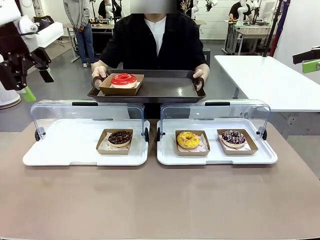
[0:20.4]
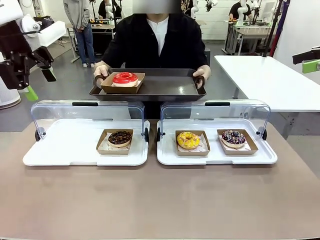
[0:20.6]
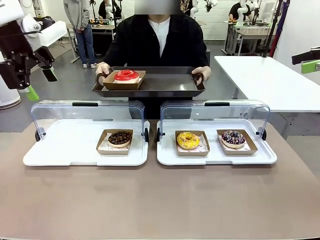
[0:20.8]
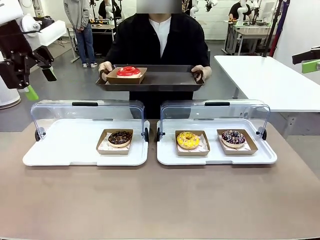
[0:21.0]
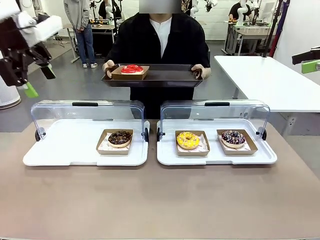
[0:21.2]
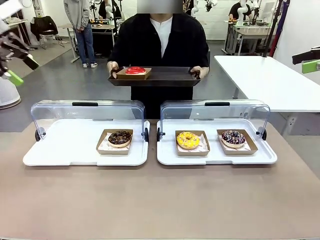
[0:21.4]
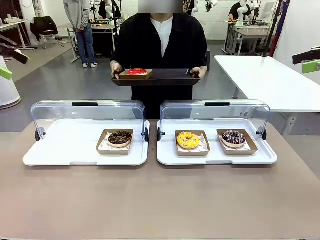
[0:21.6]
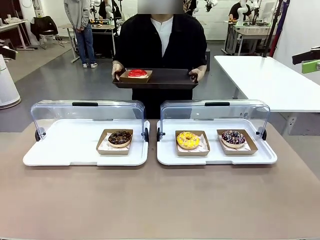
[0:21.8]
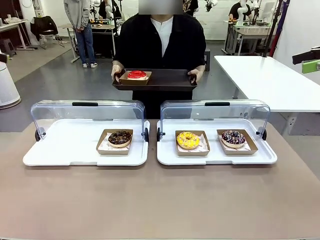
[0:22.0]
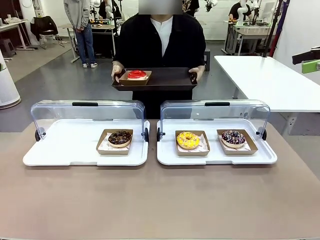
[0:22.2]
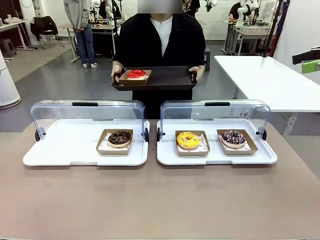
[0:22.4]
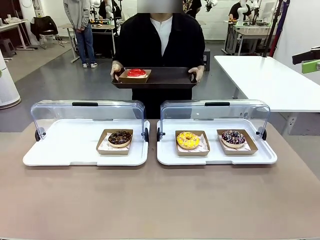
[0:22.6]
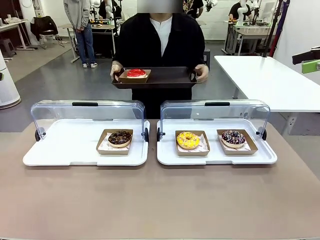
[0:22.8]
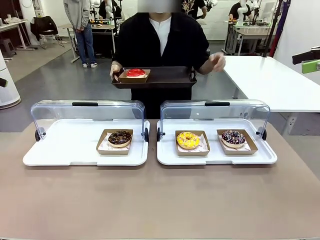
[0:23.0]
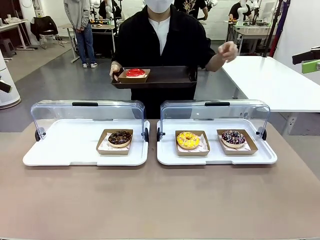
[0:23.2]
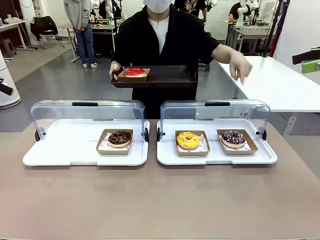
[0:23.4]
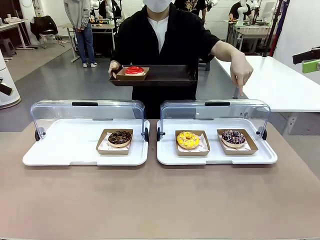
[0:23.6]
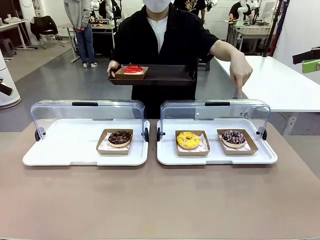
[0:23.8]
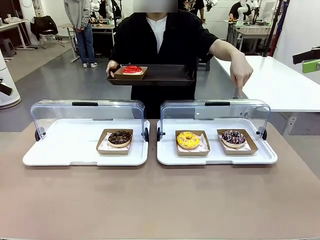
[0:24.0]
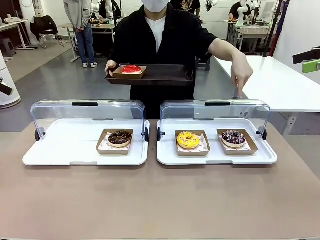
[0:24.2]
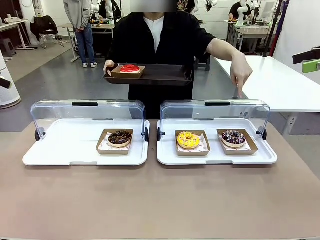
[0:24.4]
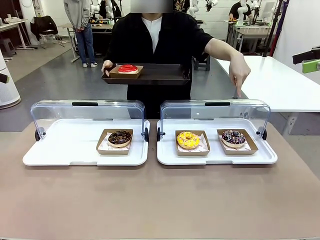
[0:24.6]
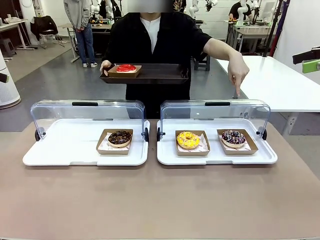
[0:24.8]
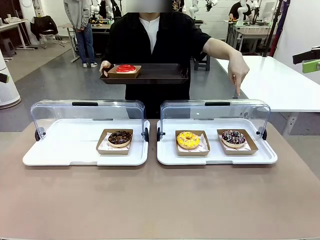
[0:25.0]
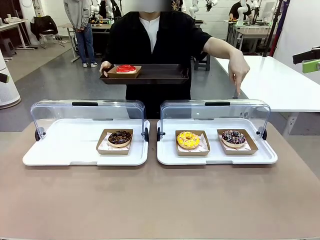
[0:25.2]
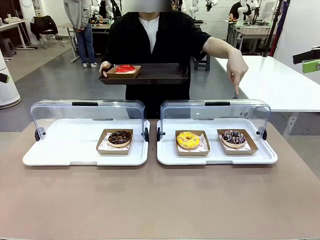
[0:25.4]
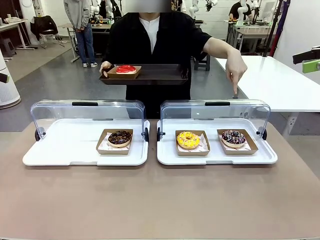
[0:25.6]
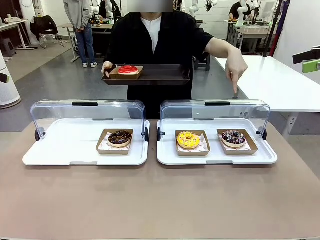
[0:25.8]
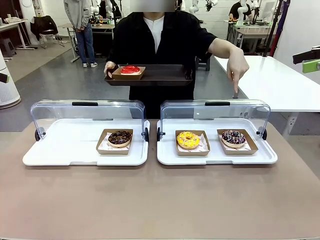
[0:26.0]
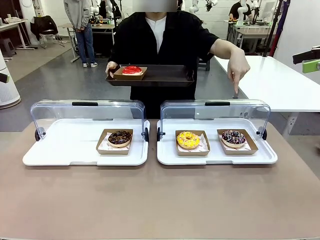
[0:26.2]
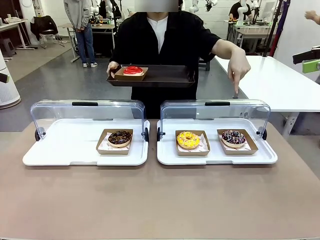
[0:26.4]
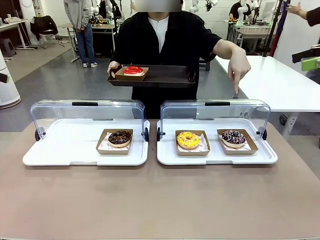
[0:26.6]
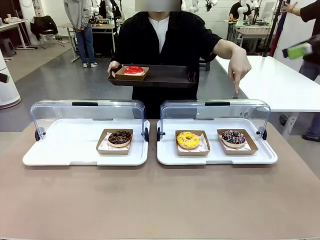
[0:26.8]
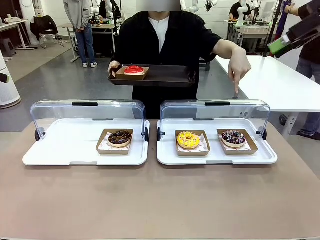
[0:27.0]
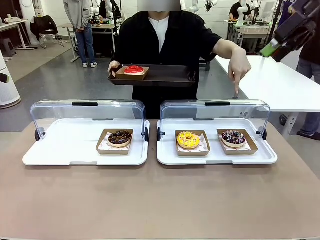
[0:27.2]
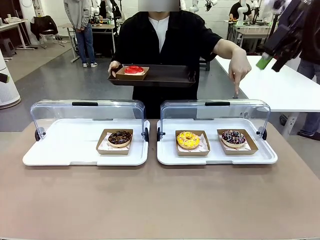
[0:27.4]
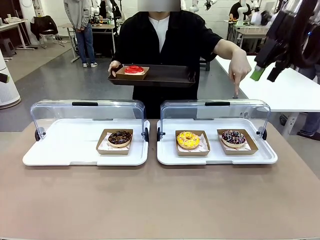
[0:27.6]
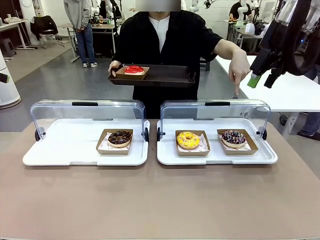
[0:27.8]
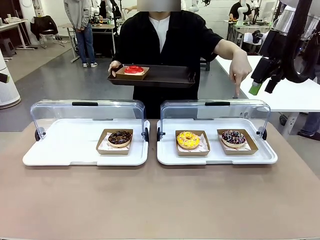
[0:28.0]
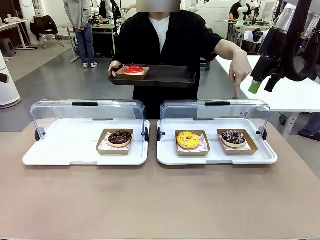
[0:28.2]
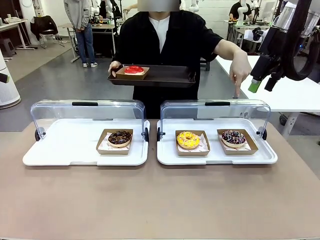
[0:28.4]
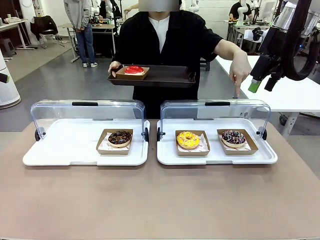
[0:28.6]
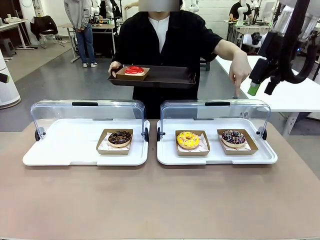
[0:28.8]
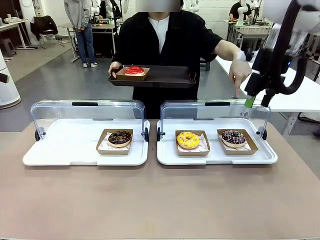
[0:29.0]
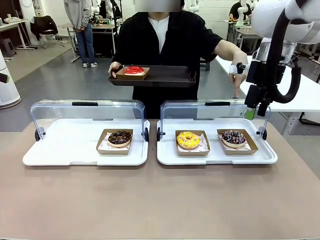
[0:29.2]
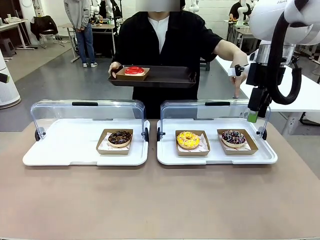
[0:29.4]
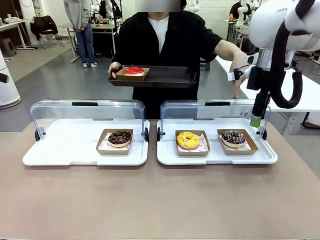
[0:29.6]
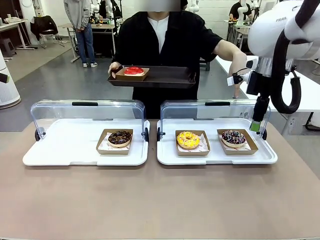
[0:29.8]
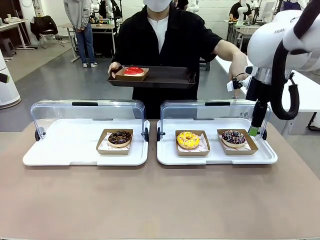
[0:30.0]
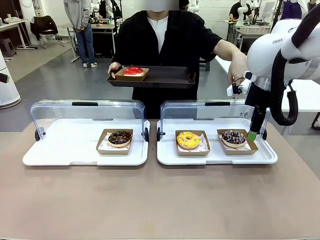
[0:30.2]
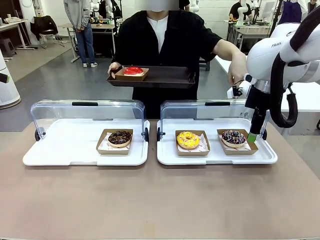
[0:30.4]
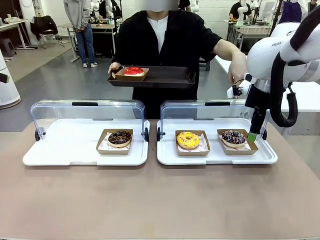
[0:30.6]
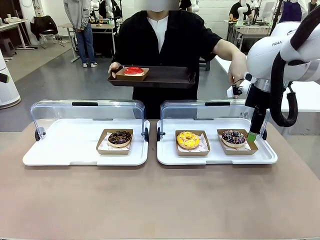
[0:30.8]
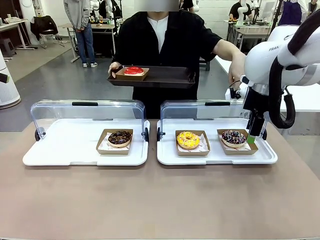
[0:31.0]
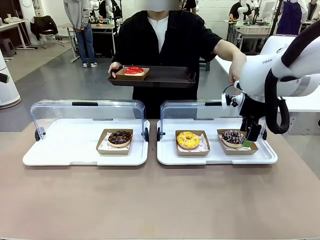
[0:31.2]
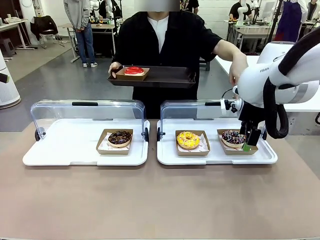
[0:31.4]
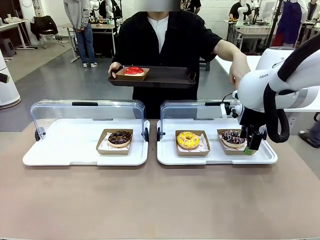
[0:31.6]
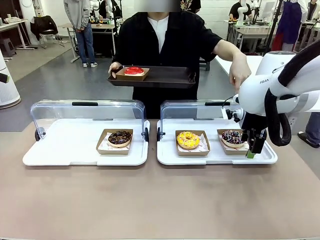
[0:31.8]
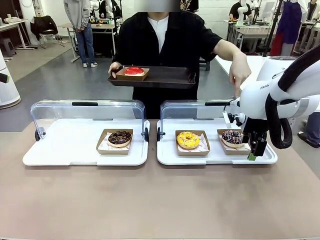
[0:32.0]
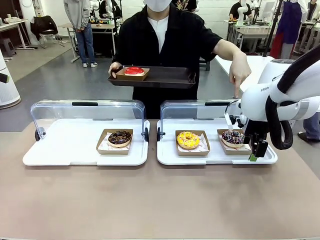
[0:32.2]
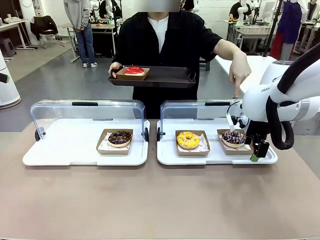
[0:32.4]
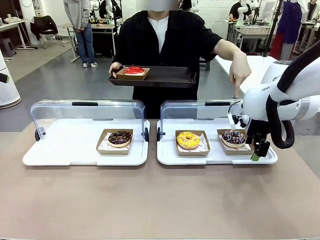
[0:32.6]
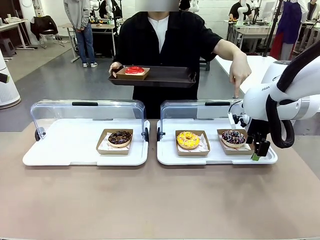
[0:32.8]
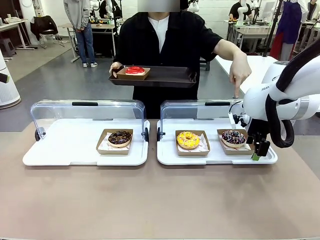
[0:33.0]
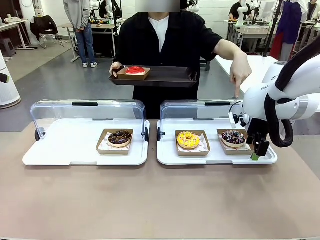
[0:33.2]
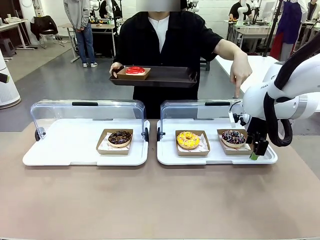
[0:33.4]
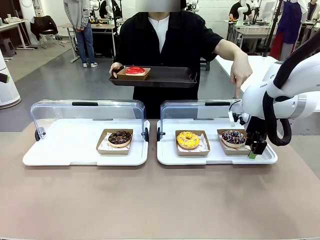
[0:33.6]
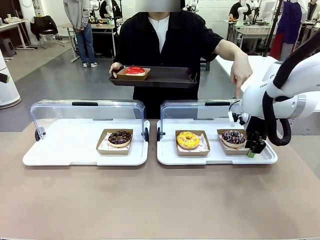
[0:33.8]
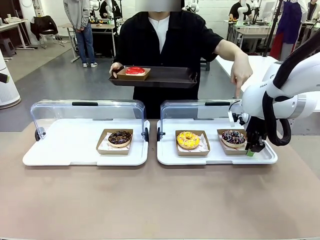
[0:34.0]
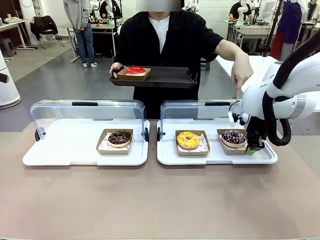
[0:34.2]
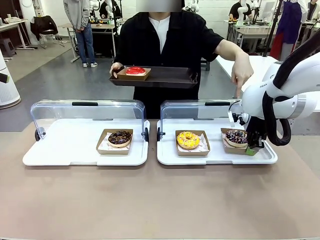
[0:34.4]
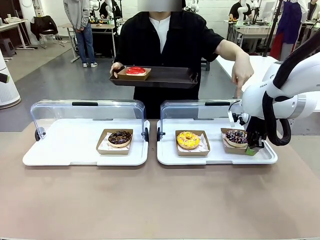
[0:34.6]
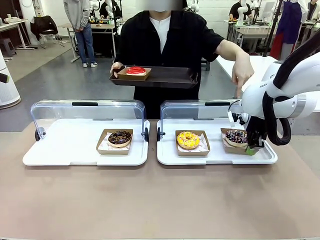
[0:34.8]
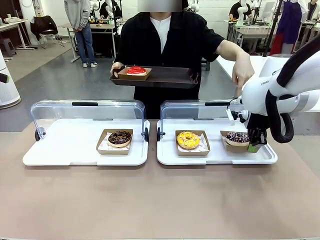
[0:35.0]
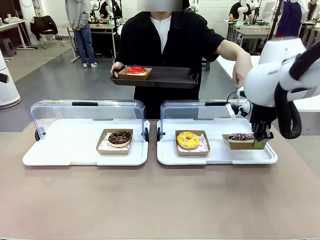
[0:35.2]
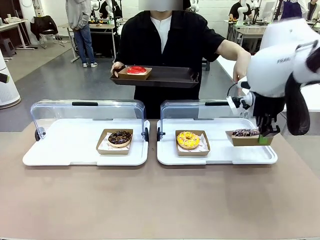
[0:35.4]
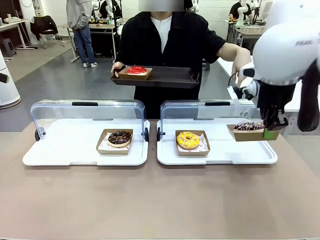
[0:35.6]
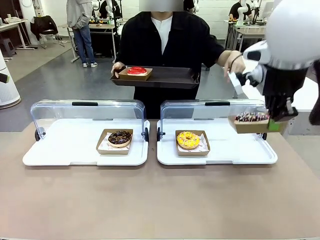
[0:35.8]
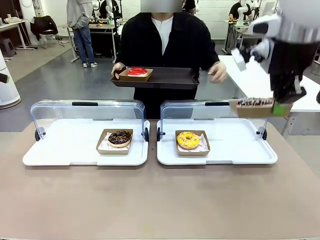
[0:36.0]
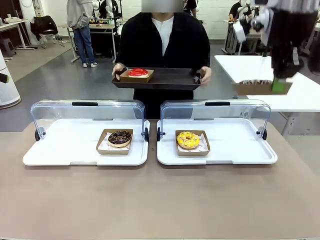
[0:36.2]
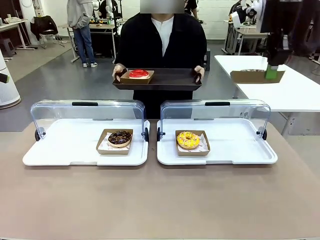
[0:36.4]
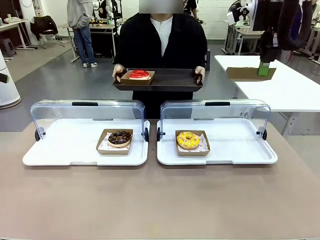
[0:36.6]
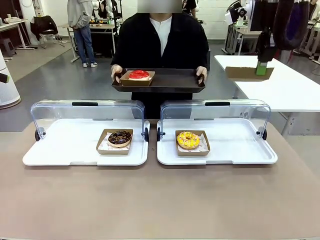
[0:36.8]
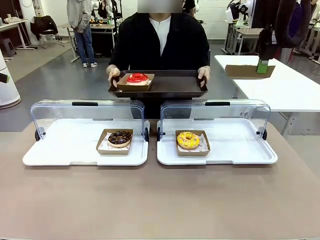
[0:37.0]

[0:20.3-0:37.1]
Task: Provide the desired donut to the person.
Robot: Pick up and lift the Paper togo box containing the Donut pointed at by the person.
Person: Point to one donut. Lift the tray onto the Roll-Top Bakery Case.

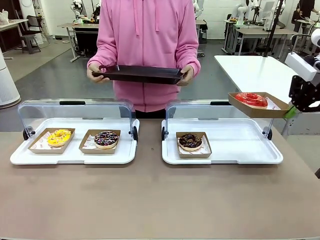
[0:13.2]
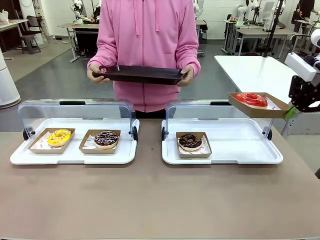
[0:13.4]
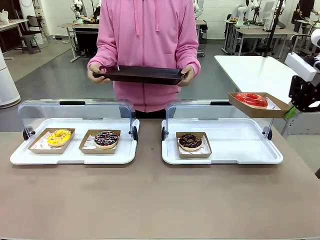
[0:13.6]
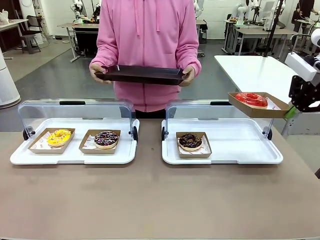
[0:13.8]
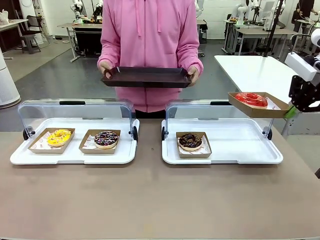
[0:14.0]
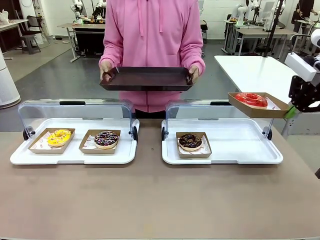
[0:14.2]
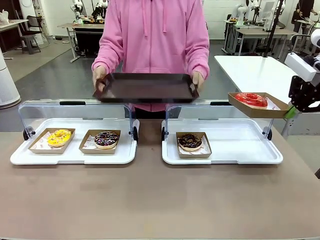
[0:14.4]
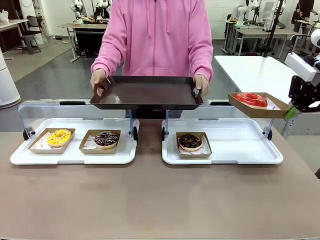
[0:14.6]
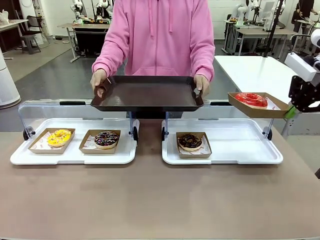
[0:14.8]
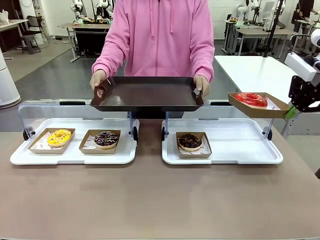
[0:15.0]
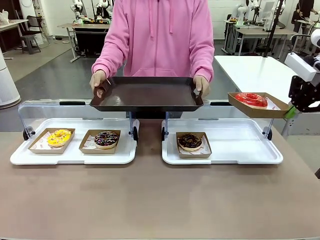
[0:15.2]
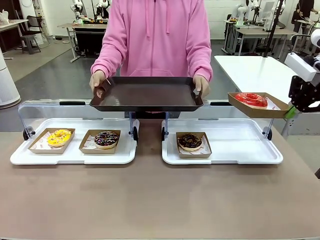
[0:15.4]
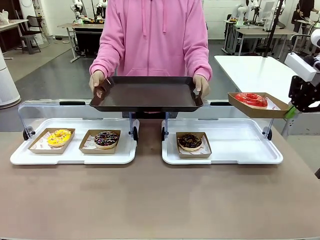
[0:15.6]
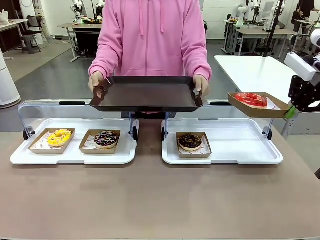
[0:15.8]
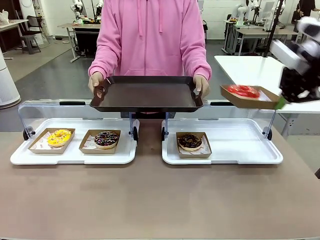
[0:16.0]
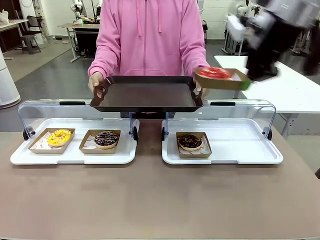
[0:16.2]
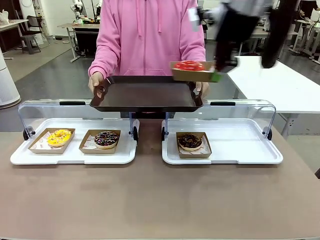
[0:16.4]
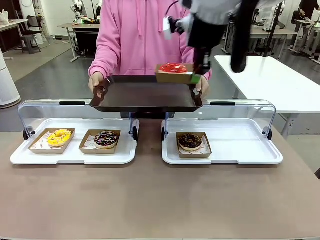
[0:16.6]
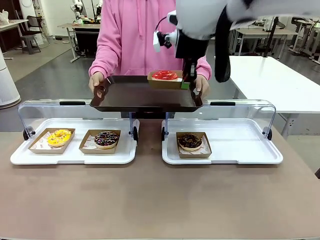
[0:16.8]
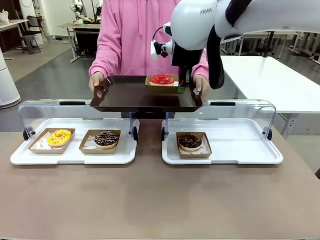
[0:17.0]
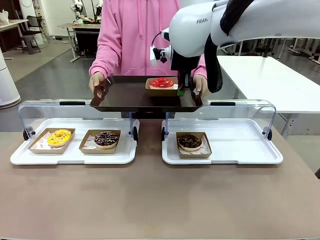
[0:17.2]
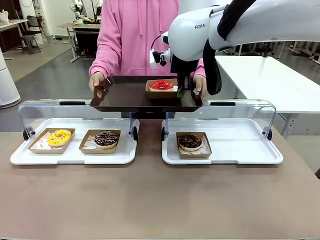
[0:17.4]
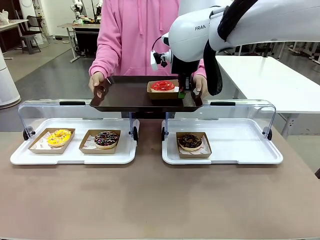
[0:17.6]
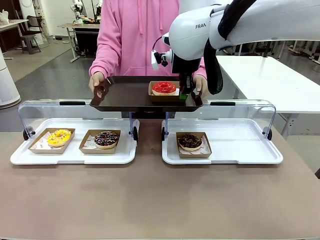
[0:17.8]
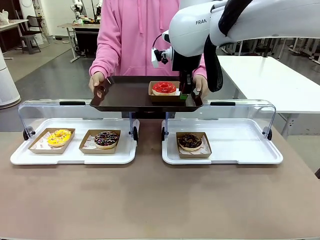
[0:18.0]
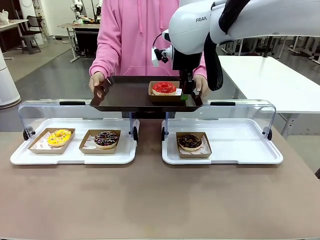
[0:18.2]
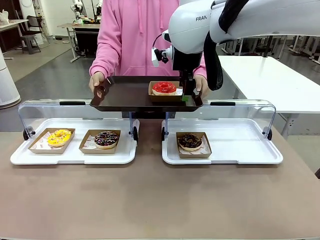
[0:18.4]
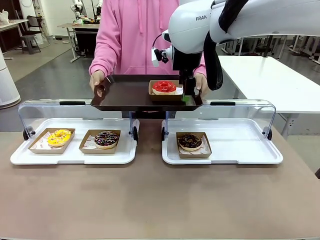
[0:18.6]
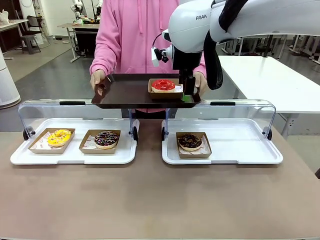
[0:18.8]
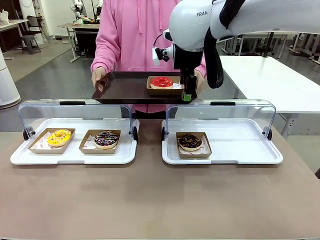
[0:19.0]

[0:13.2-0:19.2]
Task: Provide the desired donut to the person.
Robot: Place the picked Paper togo box onto the Handle tray extended by the person.
Person: Point to one donut.
